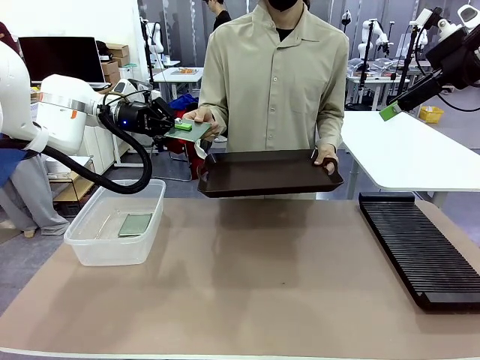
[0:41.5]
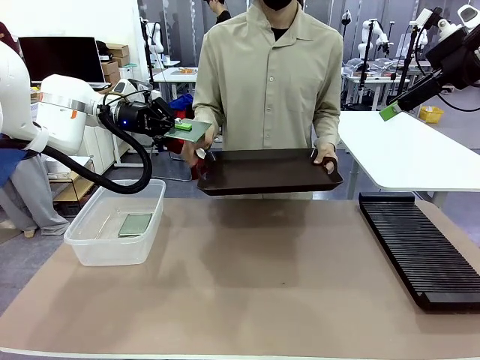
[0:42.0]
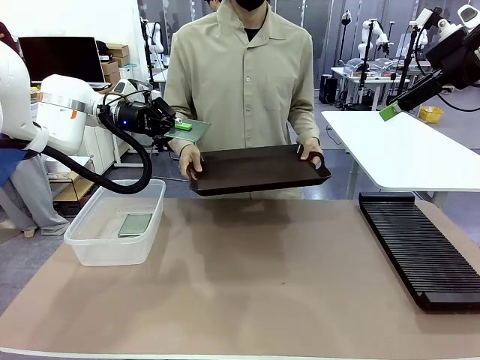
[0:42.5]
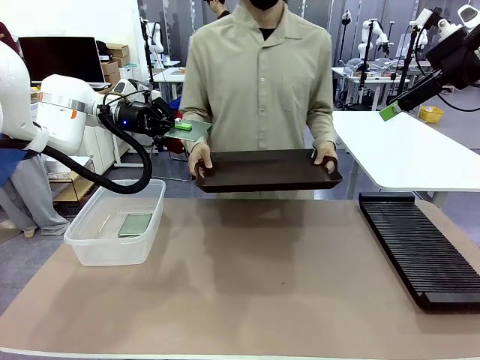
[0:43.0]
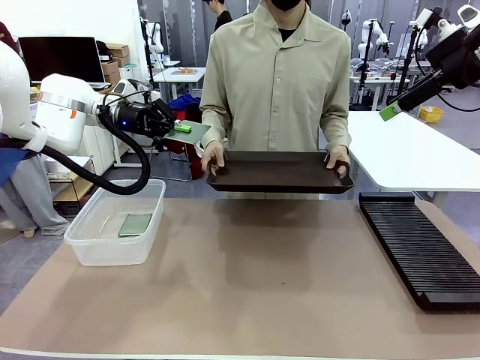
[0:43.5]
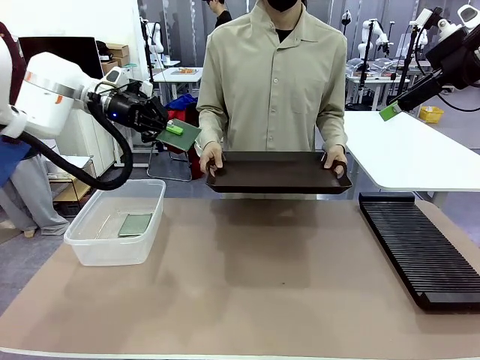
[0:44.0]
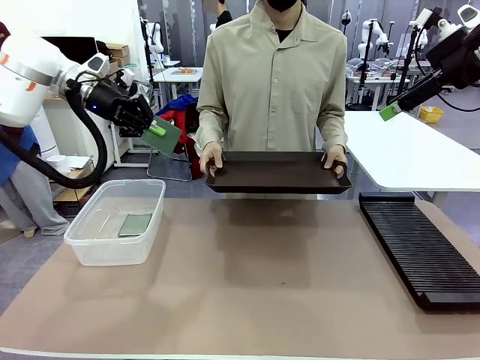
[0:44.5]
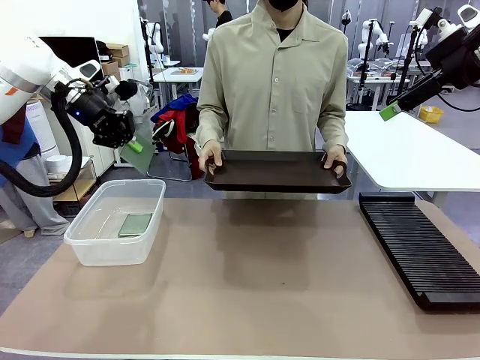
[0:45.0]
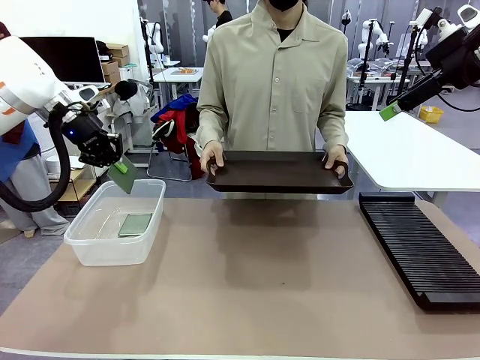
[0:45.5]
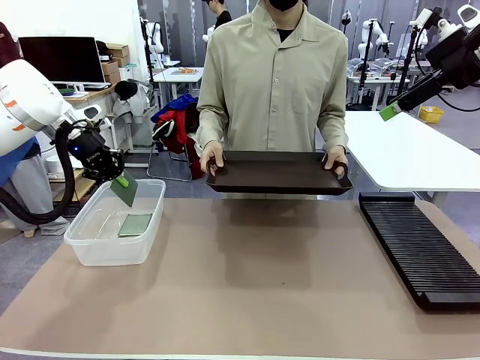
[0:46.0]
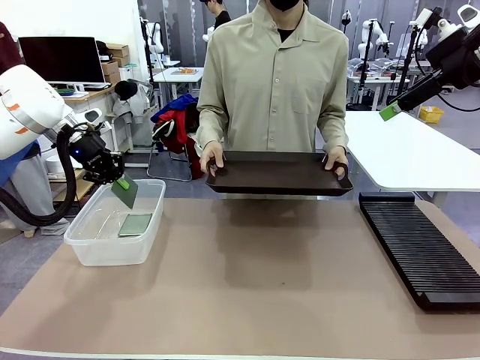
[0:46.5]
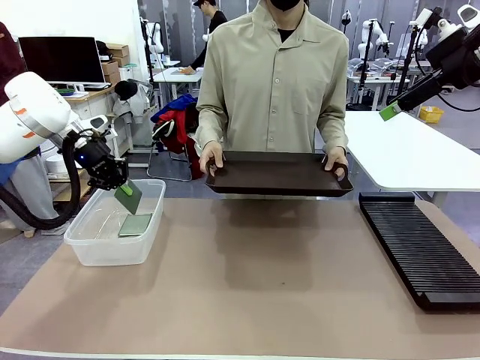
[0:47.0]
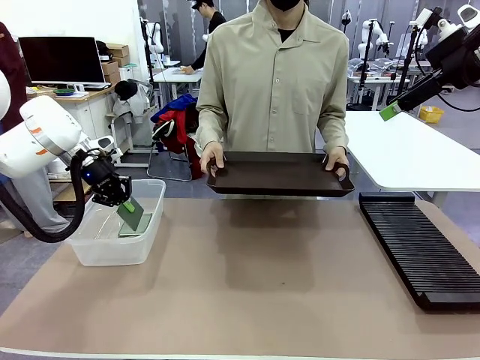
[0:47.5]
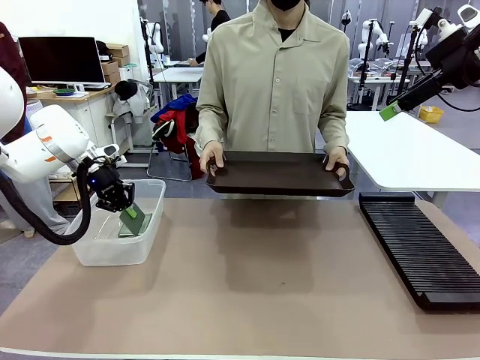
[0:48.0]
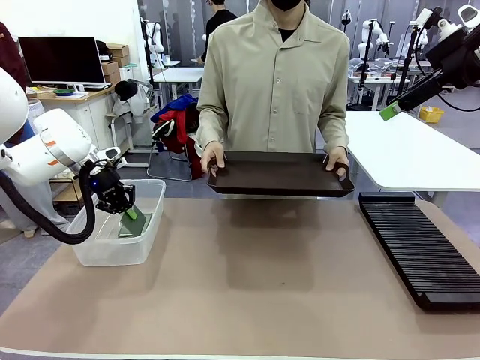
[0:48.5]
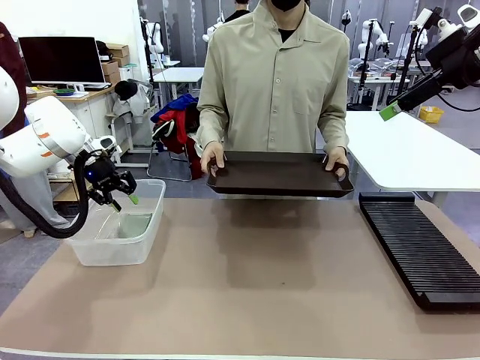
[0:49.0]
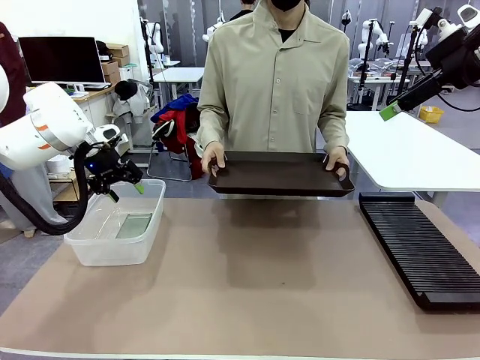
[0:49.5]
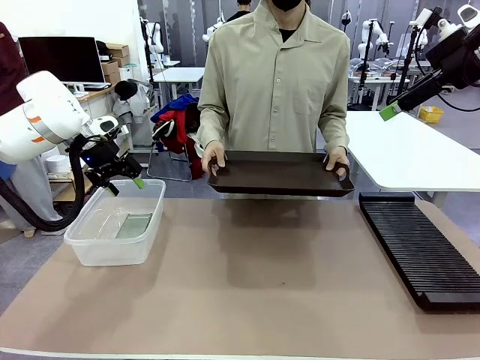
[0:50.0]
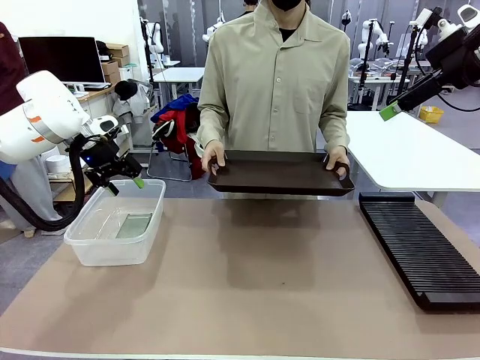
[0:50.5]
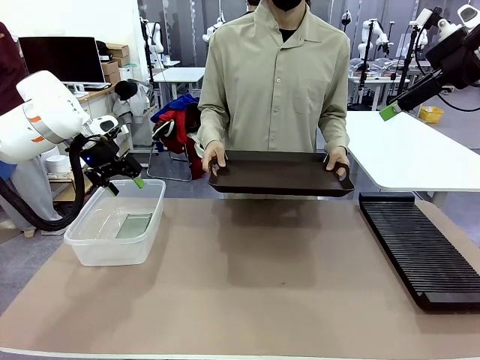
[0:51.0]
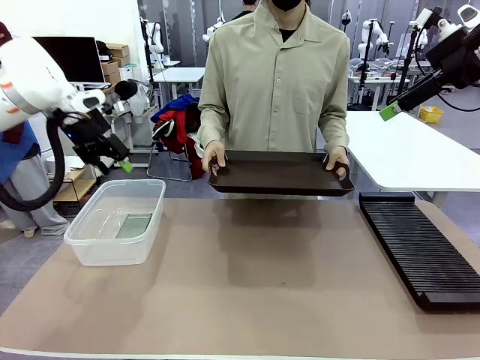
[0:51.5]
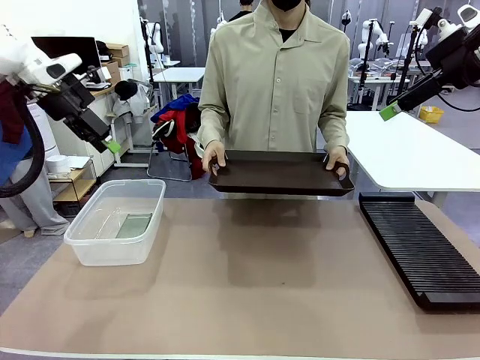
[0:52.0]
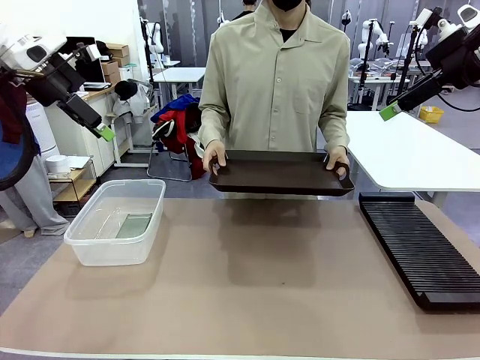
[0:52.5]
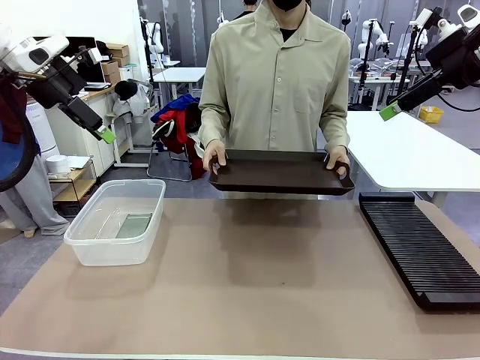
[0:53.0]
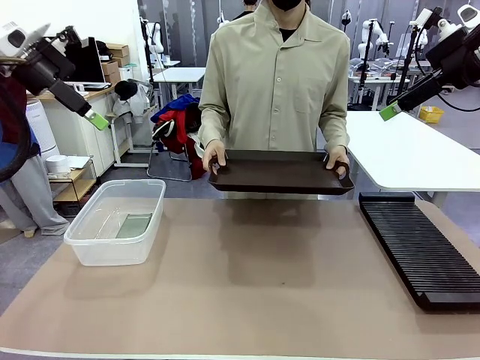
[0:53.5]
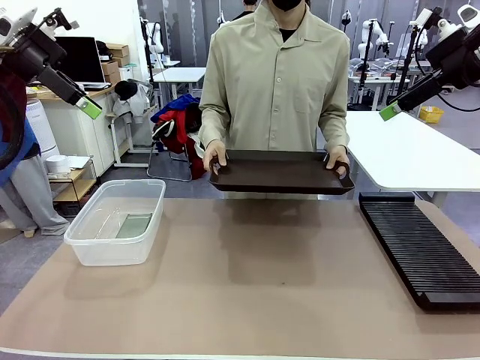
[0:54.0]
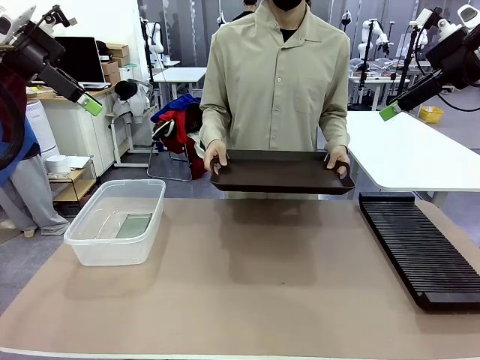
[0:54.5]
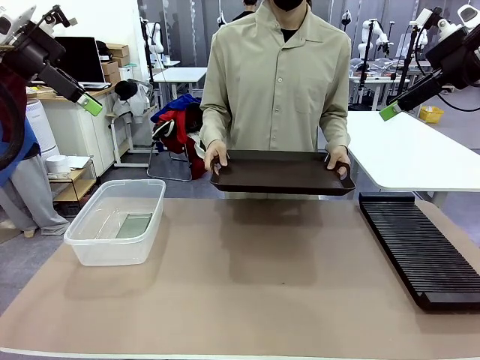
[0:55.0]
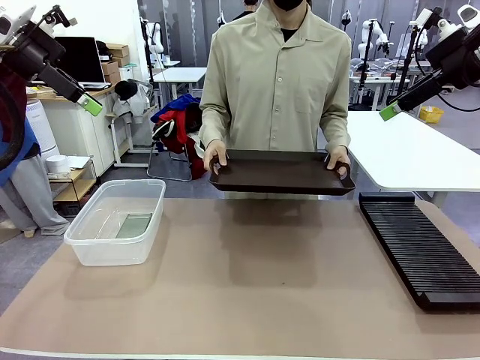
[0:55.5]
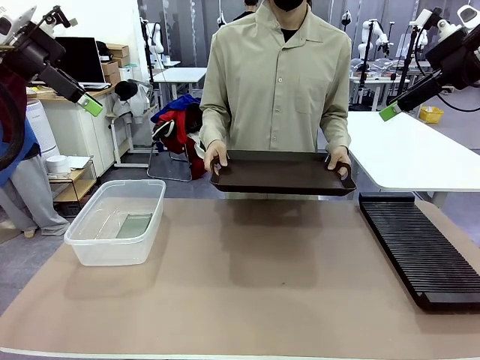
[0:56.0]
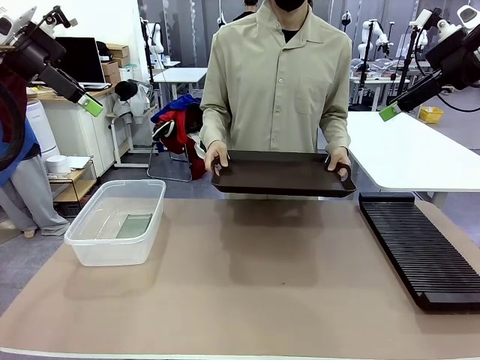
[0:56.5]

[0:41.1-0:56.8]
Task: Sort PCBs into racks and boxes based on the side picked up.
Robot: If the short side of the Blank PCB is picked up, insert it into the PCB Rack ; if the long side is picked up, place it in the Organizing box.
Person: Release the PCB being held.

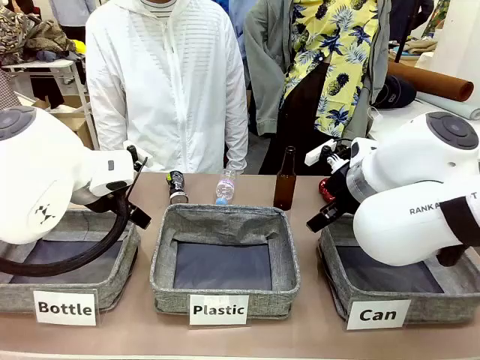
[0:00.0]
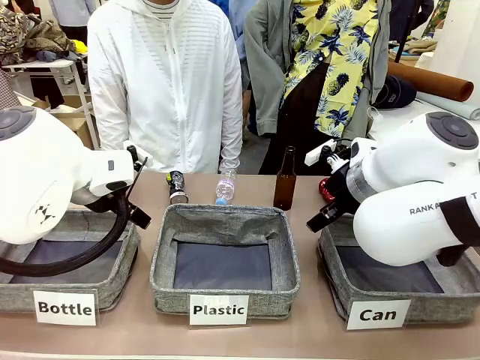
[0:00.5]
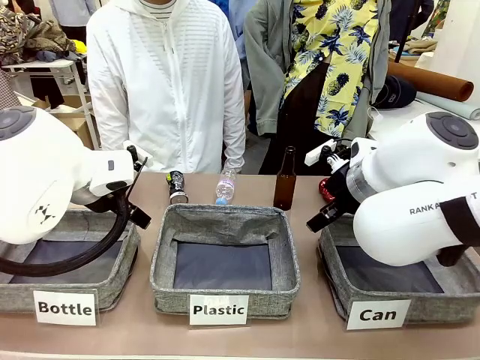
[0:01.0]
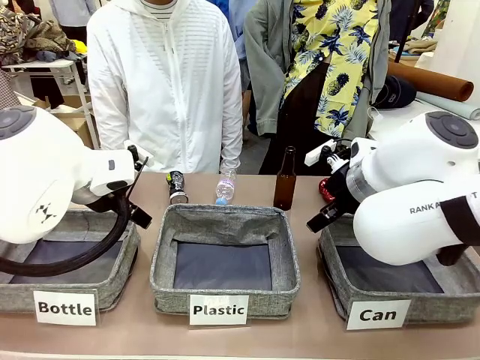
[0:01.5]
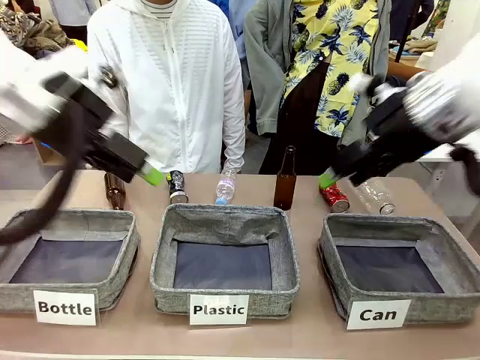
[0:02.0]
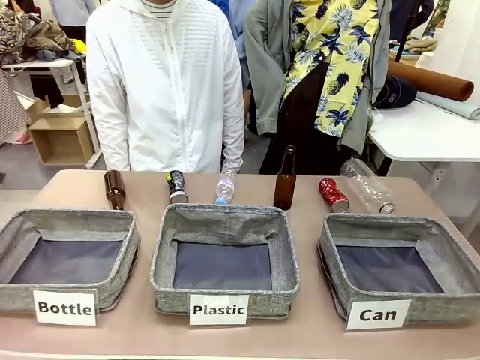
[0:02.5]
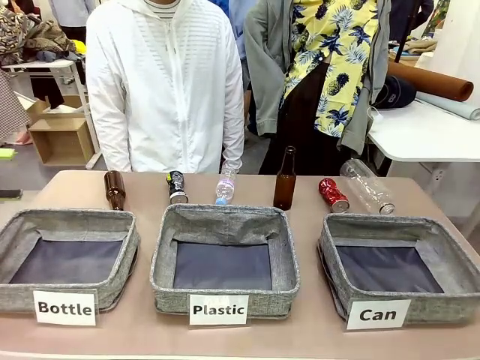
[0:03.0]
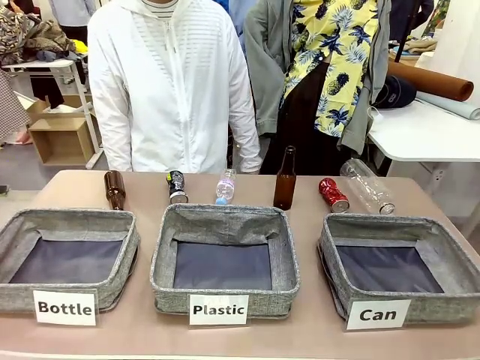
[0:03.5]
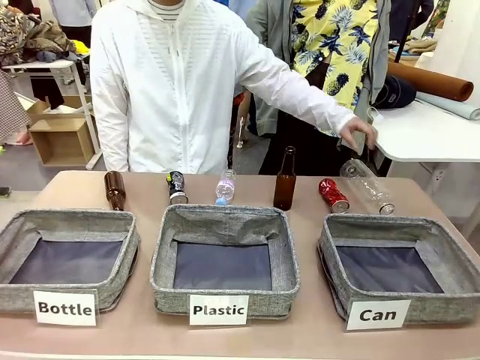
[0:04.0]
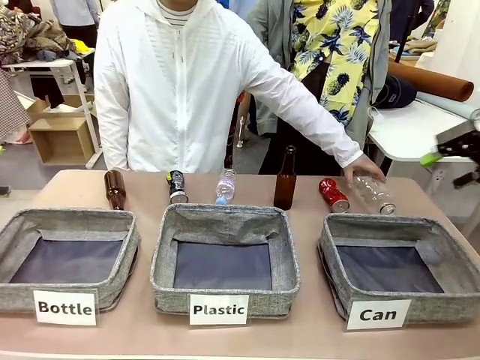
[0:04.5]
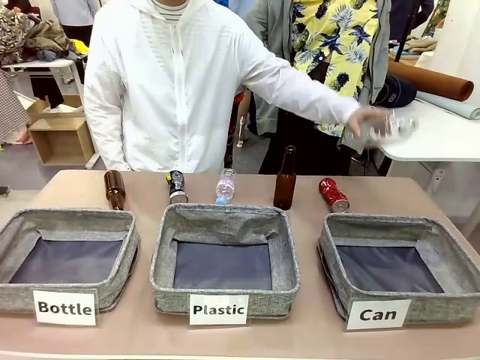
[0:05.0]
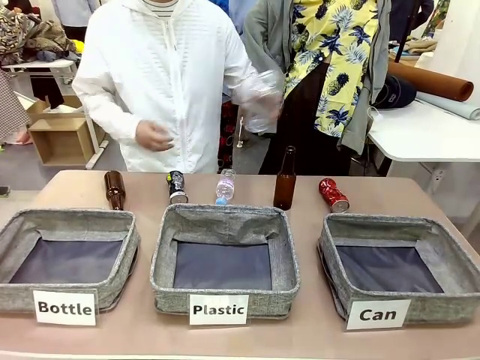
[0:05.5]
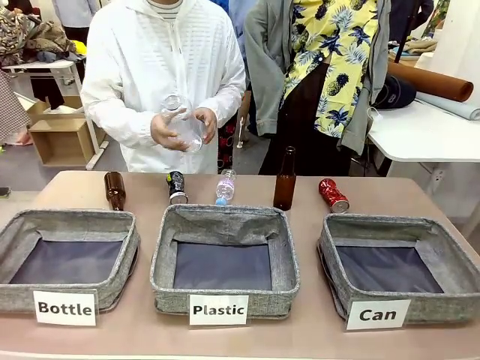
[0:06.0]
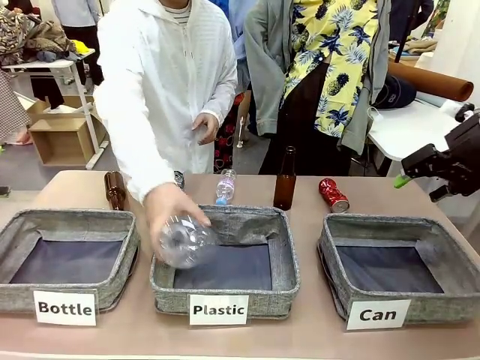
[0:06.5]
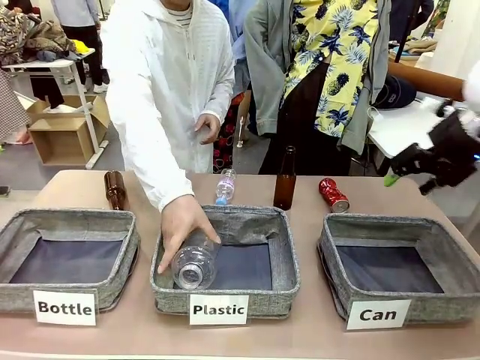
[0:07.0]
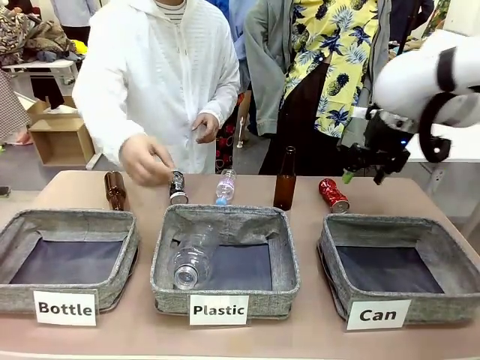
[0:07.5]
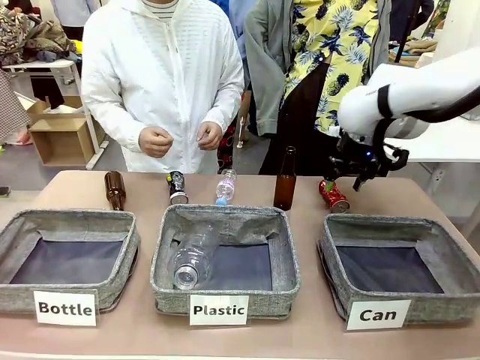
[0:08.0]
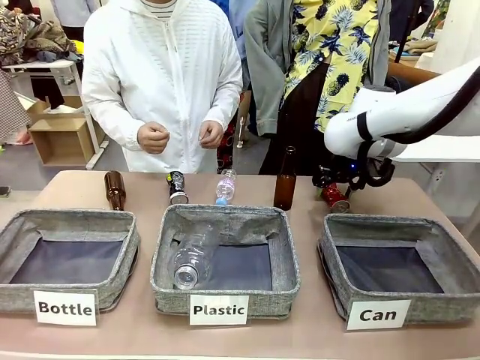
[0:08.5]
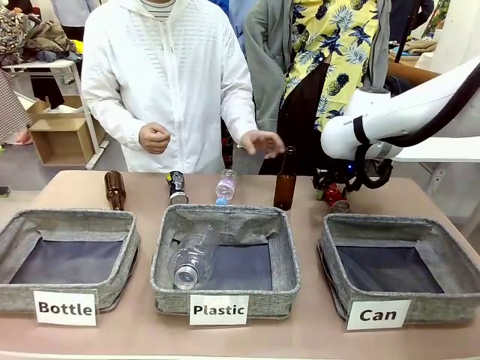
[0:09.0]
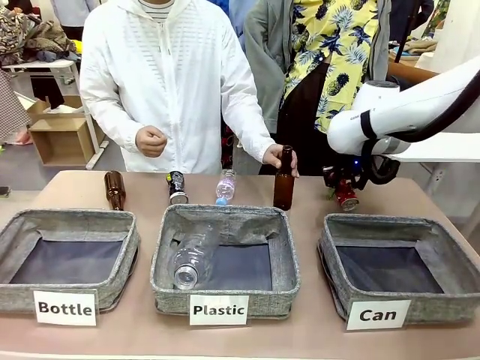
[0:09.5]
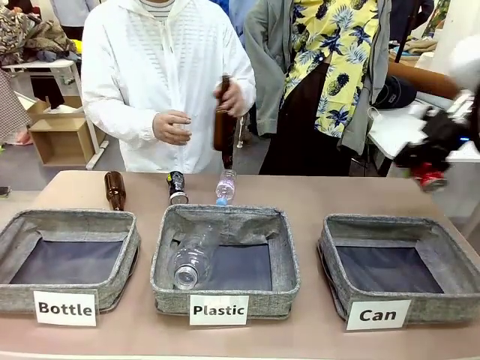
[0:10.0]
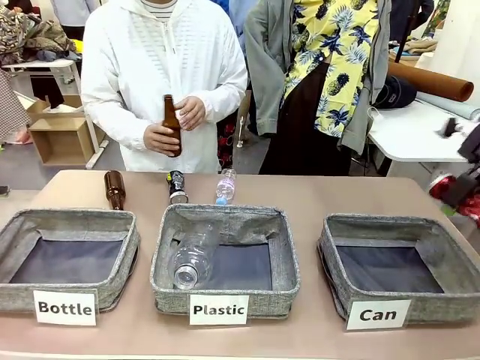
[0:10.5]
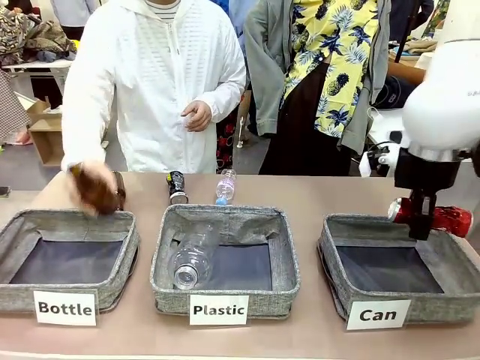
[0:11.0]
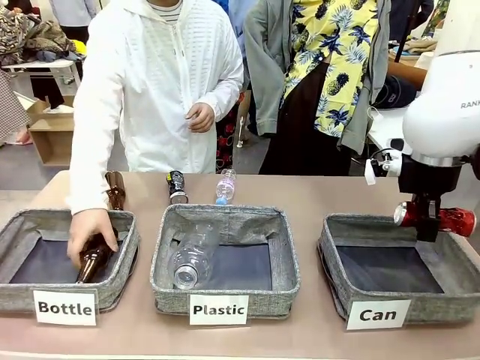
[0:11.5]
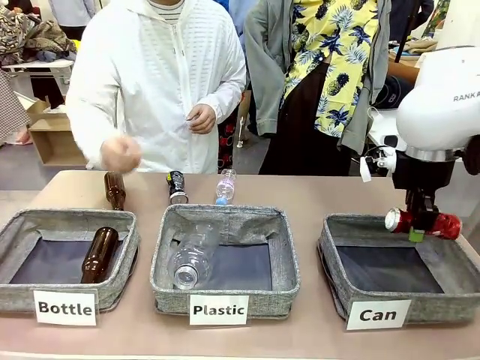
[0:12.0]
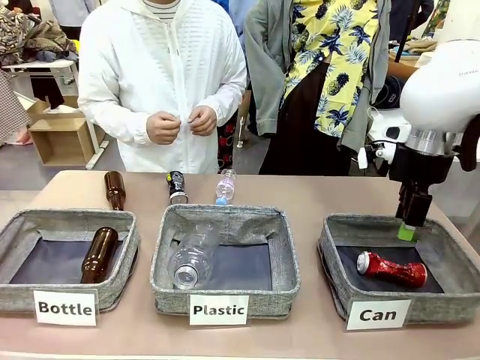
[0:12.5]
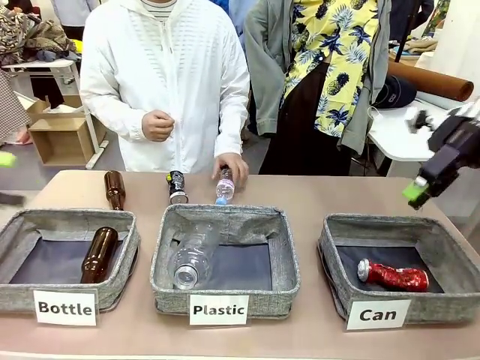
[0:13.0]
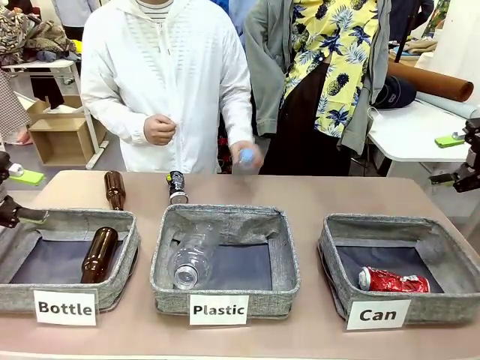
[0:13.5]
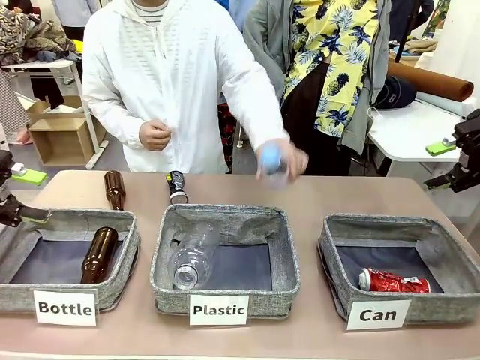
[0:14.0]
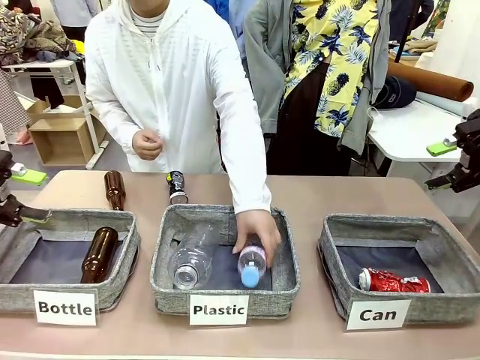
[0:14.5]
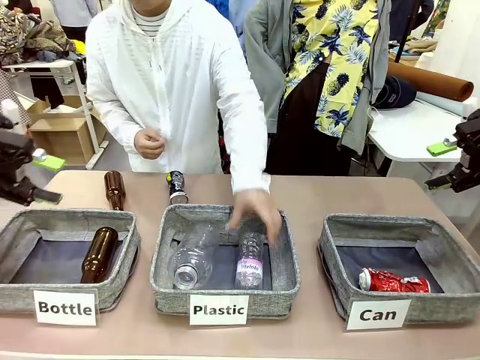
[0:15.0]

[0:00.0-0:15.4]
Task: Sort the can waste into the basket.
Robot: Pick up the can waste from the table and place it in the right Fabric basket.
